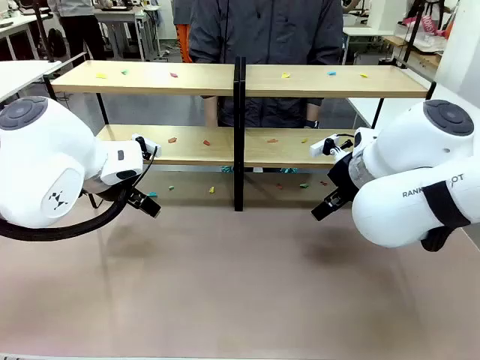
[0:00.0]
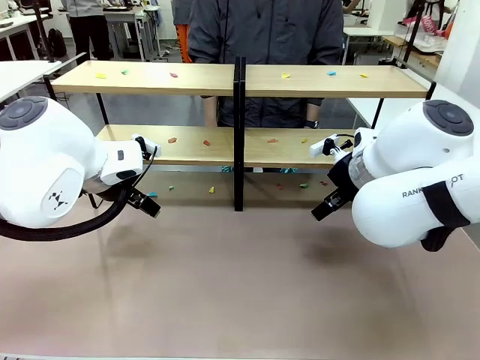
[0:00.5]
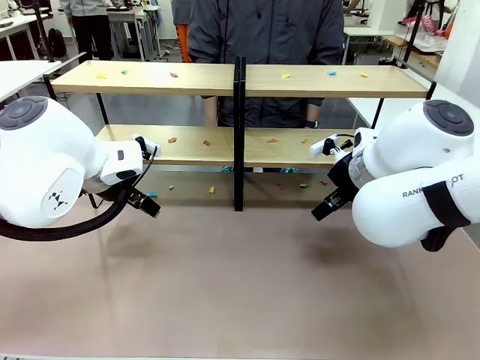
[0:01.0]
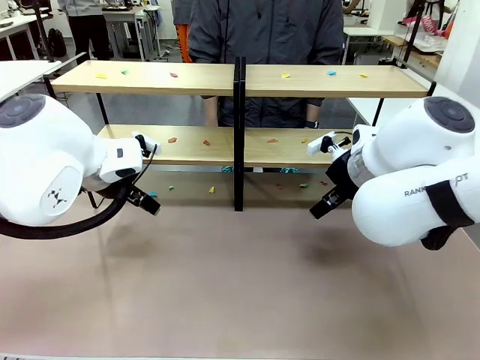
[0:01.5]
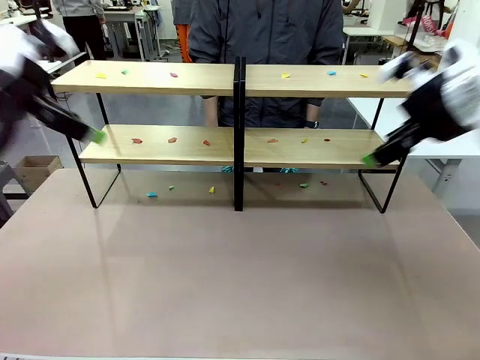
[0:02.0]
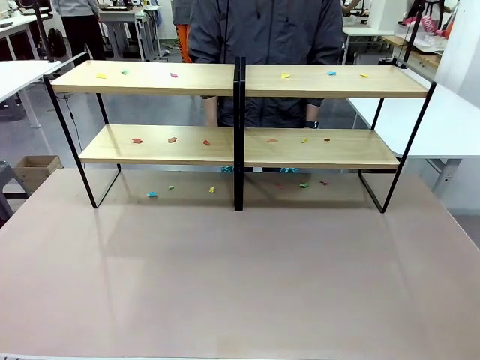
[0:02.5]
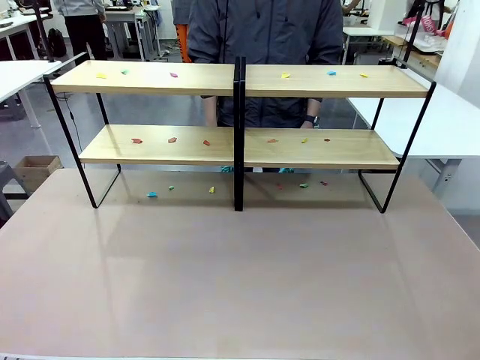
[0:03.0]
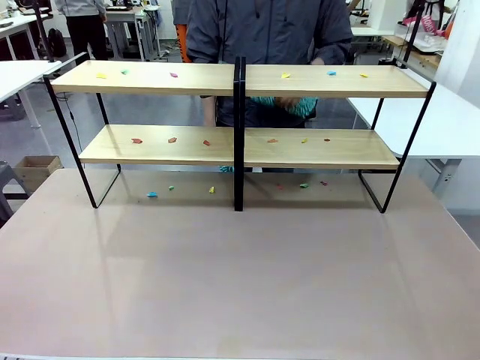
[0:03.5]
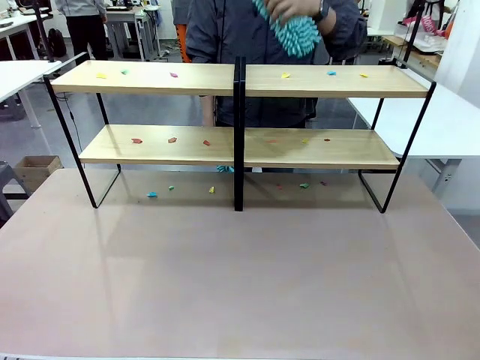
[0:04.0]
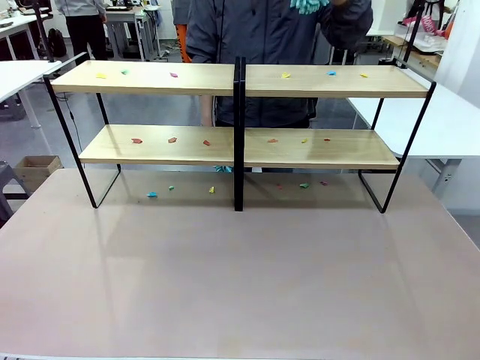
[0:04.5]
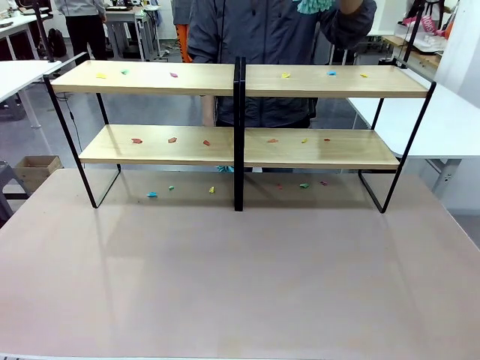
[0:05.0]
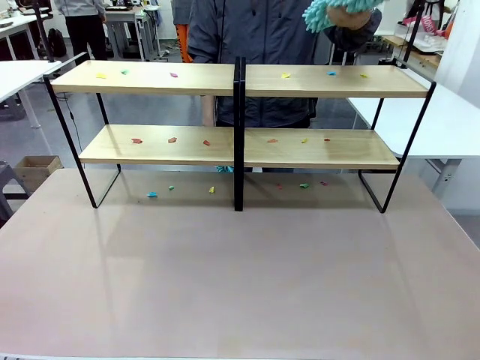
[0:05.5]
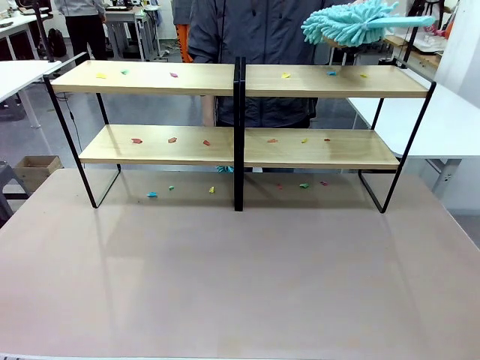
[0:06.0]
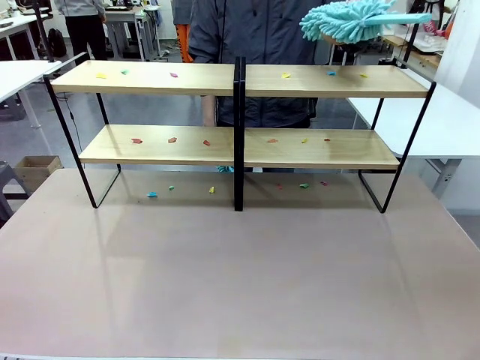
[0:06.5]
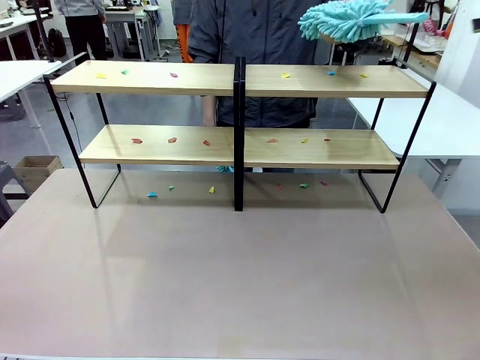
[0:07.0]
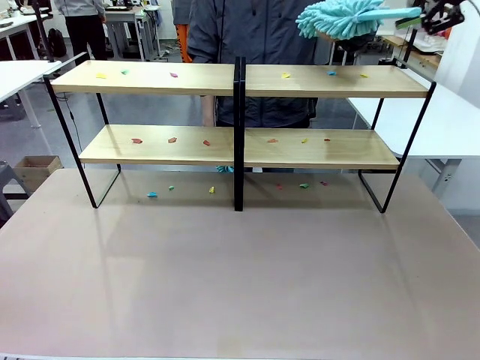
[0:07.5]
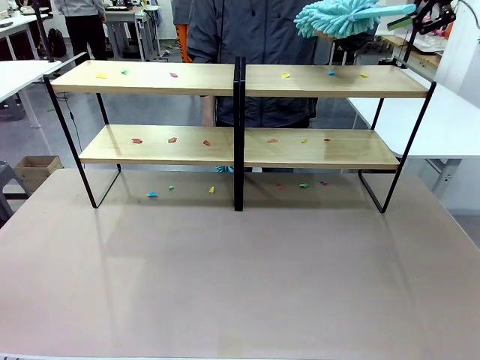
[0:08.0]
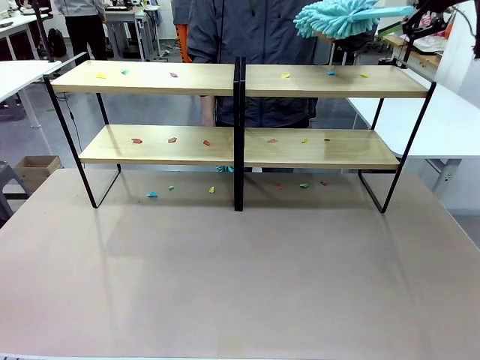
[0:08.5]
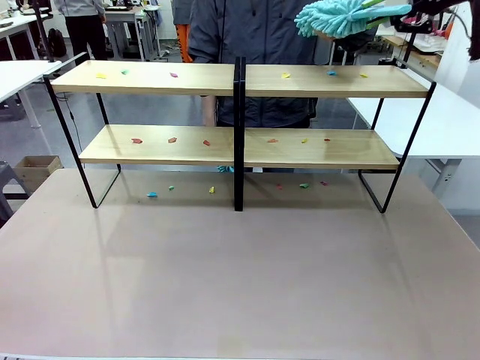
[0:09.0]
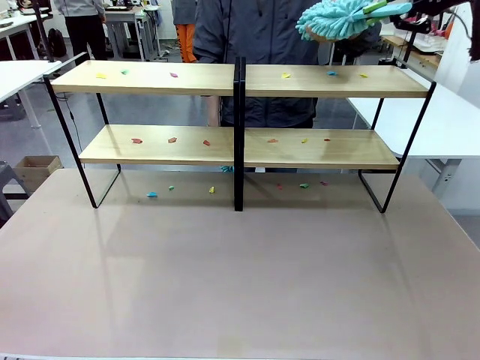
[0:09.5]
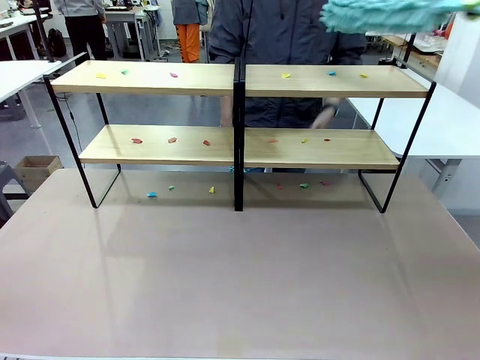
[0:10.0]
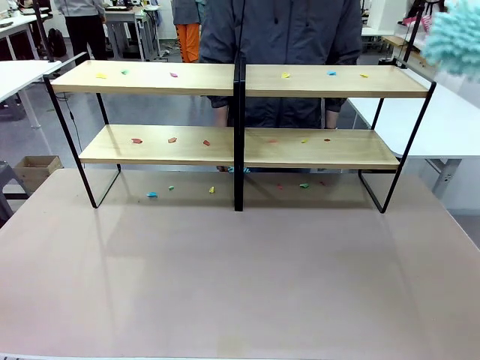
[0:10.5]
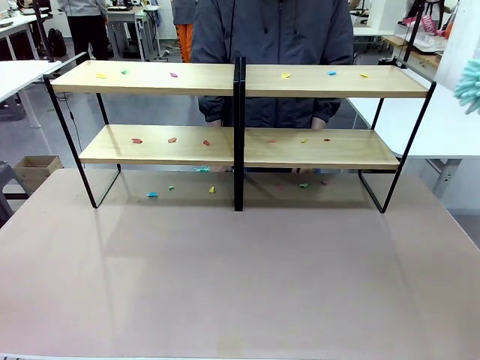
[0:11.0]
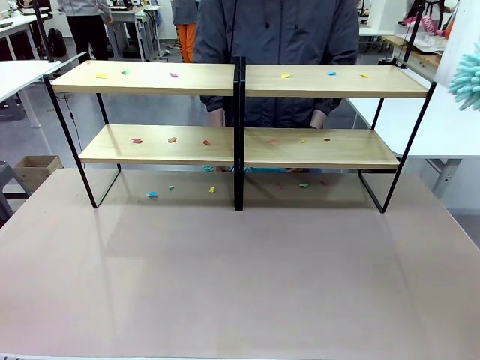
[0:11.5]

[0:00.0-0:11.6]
Task: Clean the shelves.
Robot: Pick up the Duster when the human hands it over.
Person: Hand the Duster to the robot with your right (or left) hand.

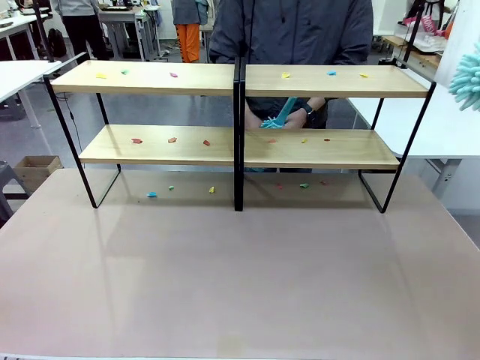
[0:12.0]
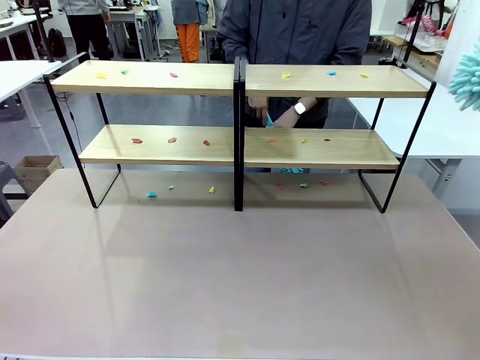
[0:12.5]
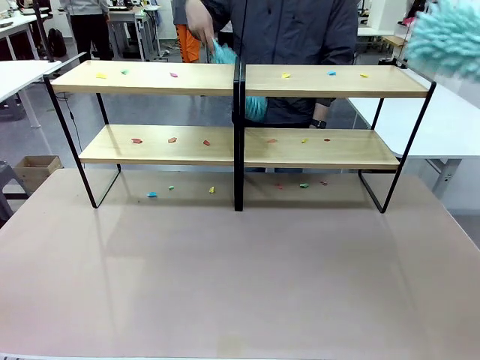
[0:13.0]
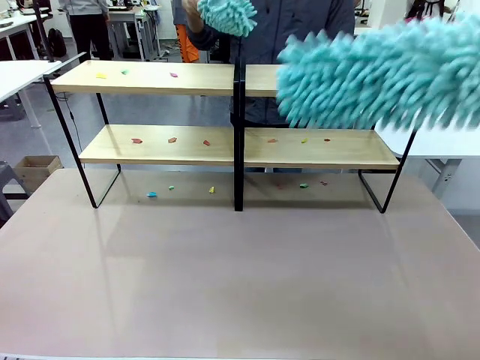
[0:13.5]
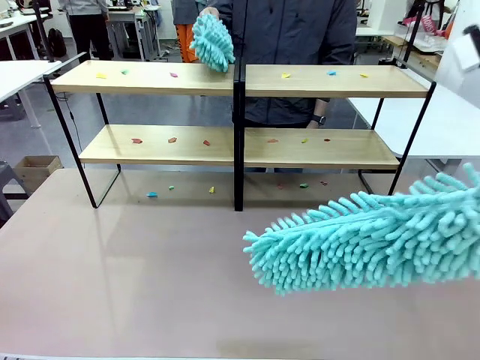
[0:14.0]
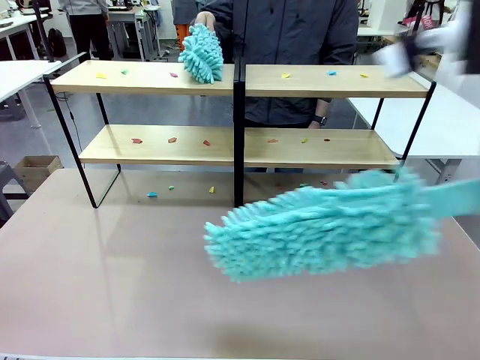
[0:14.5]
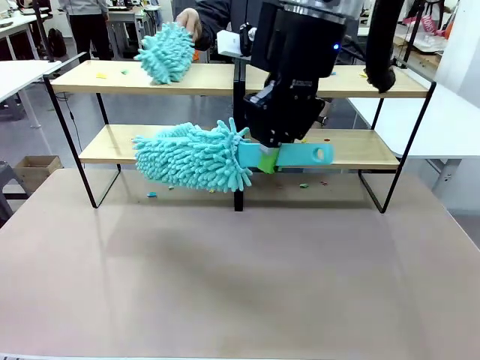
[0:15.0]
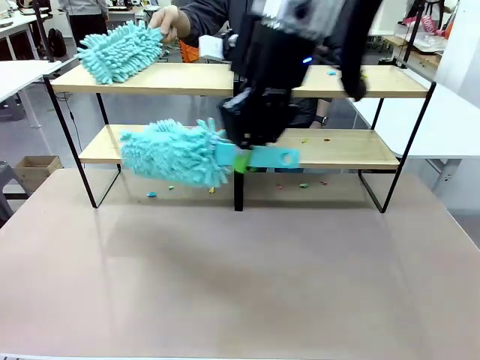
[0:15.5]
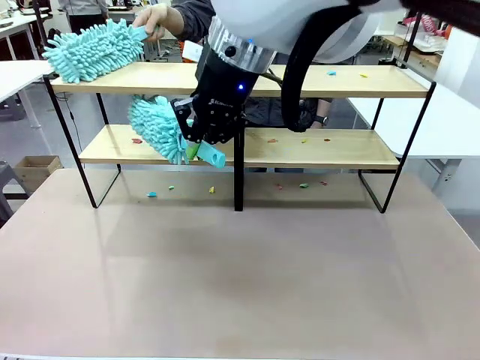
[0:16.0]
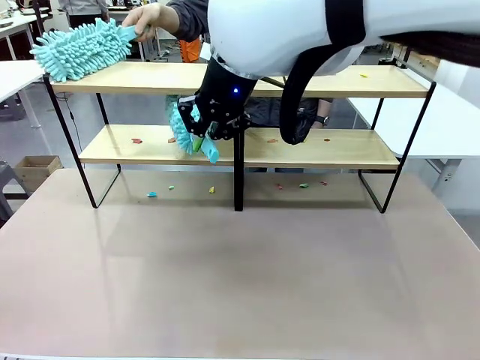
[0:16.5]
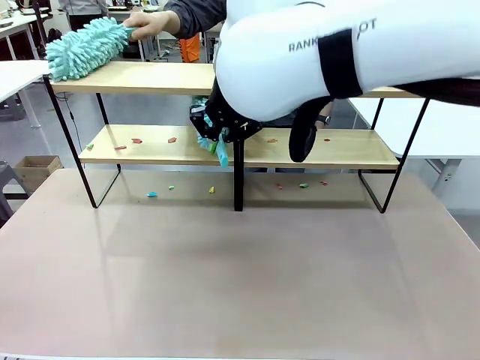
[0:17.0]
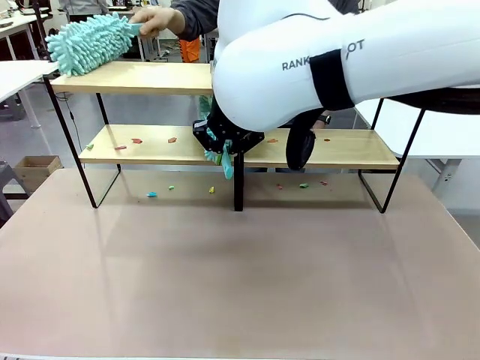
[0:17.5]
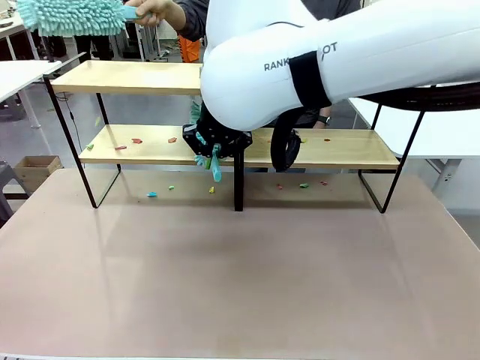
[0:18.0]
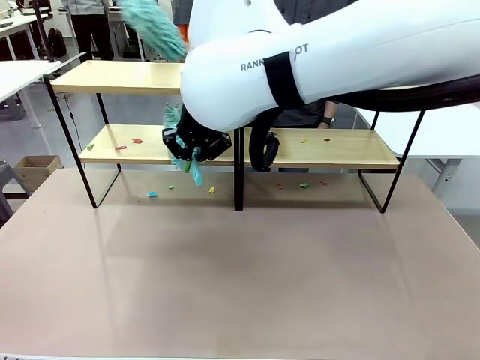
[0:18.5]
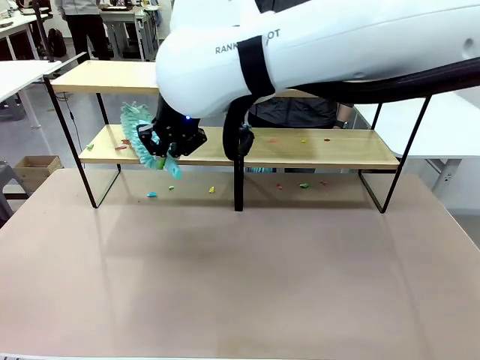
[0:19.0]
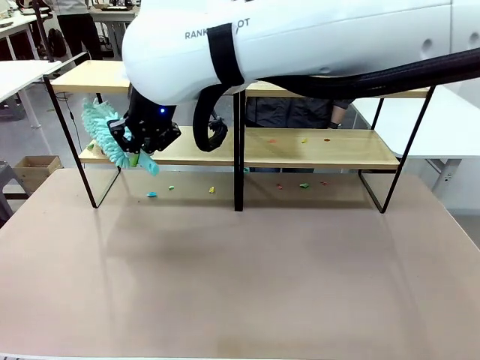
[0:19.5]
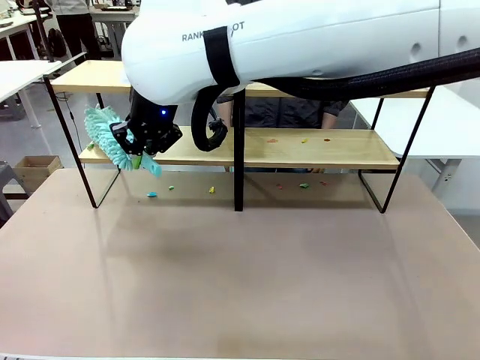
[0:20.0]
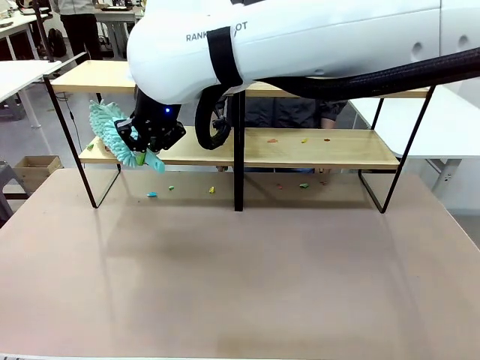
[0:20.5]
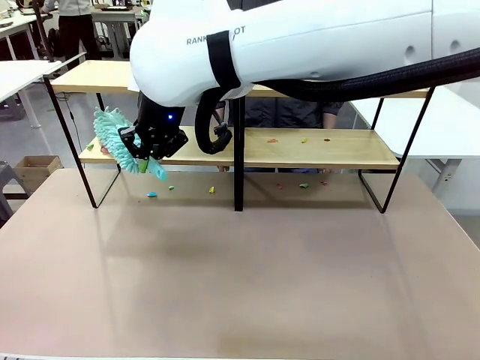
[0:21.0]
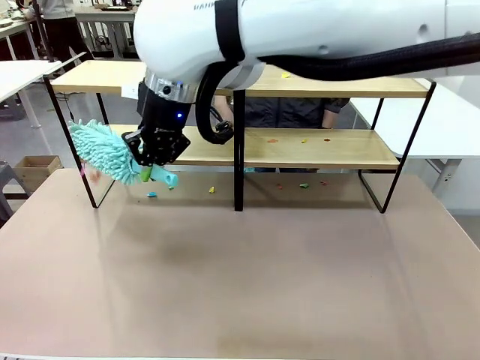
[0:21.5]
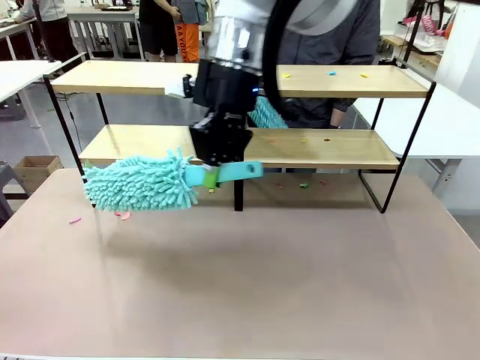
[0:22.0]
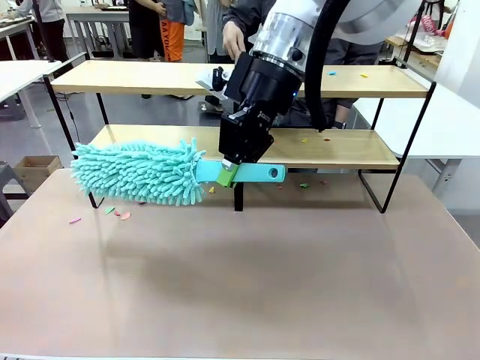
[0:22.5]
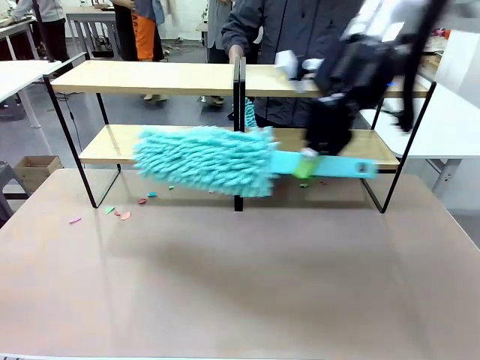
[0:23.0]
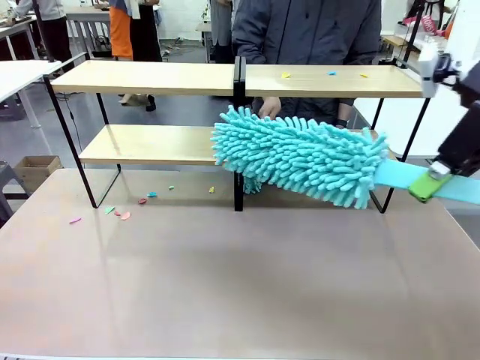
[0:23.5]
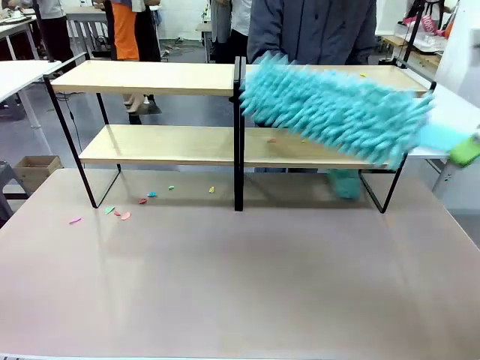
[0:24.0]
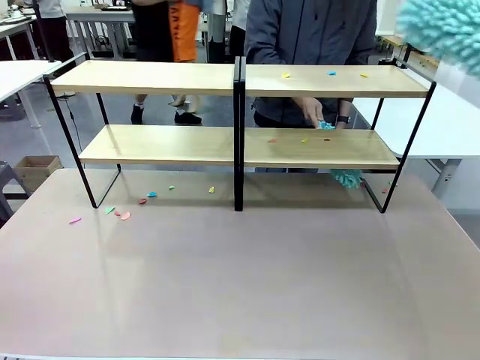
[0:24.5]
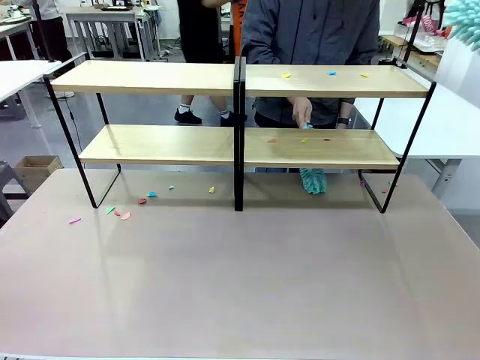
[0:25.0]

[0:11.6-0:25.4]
Robot: Clean a randomly selected level of the Shelf with the Duster.
